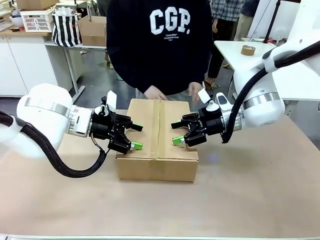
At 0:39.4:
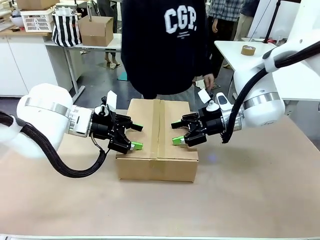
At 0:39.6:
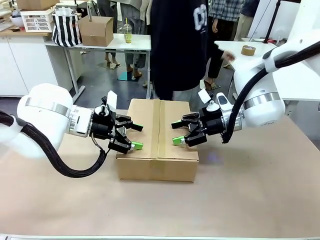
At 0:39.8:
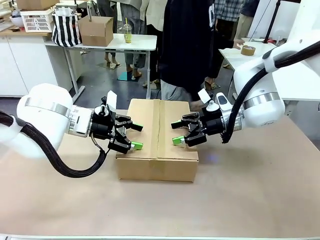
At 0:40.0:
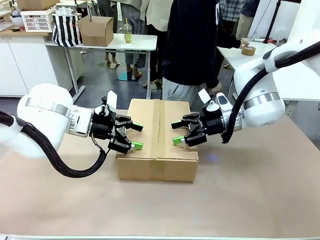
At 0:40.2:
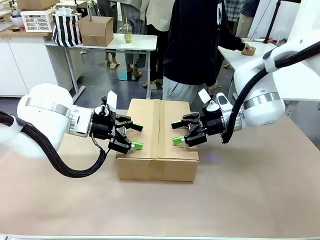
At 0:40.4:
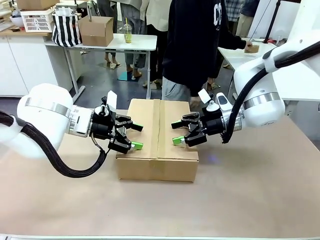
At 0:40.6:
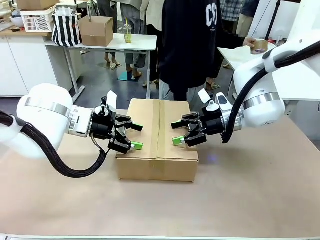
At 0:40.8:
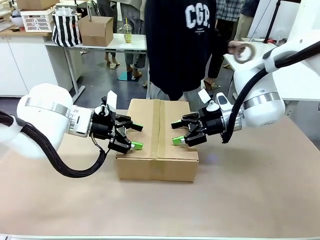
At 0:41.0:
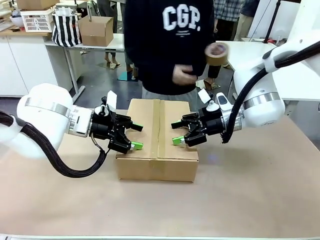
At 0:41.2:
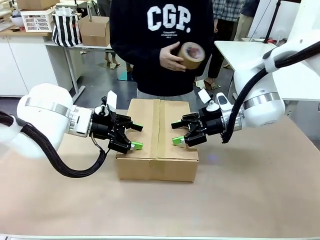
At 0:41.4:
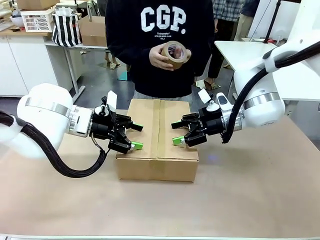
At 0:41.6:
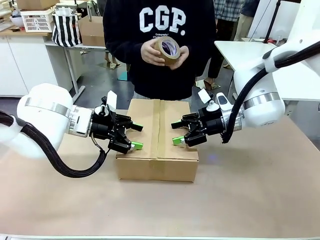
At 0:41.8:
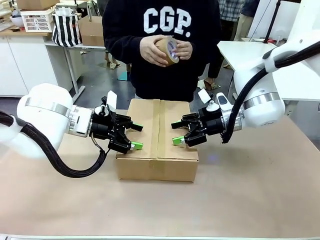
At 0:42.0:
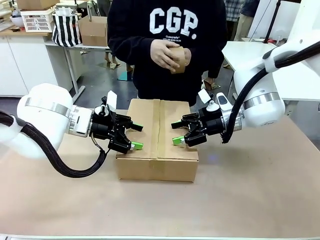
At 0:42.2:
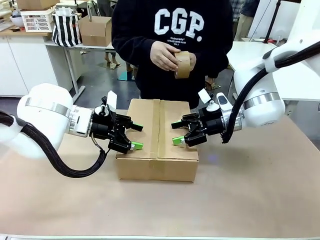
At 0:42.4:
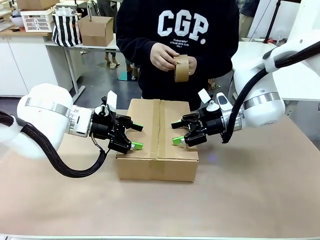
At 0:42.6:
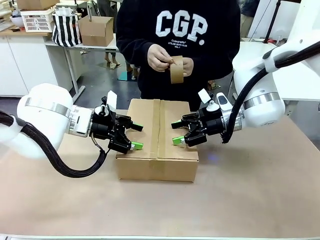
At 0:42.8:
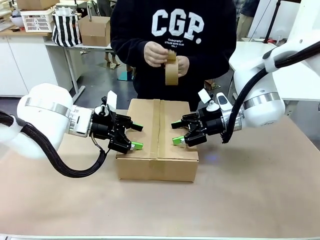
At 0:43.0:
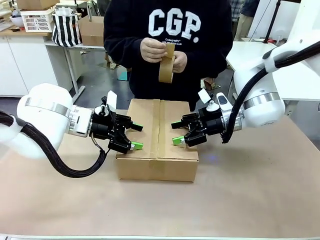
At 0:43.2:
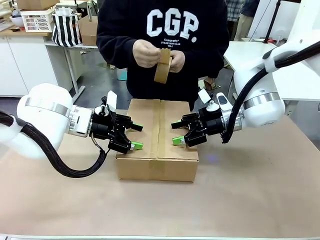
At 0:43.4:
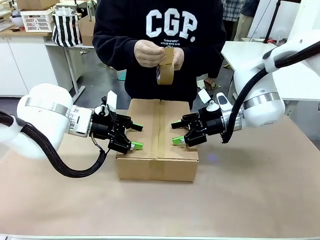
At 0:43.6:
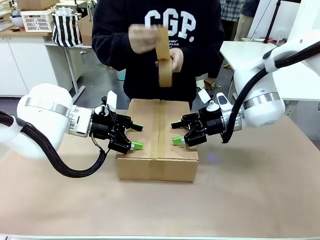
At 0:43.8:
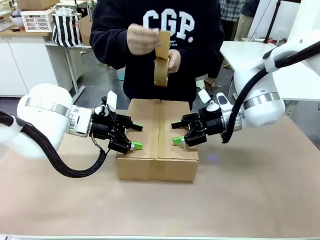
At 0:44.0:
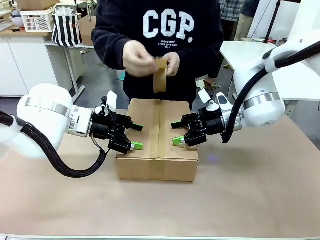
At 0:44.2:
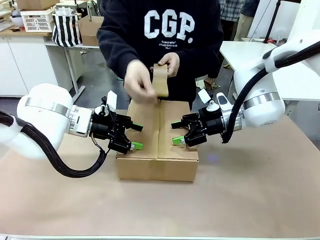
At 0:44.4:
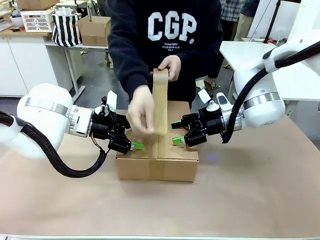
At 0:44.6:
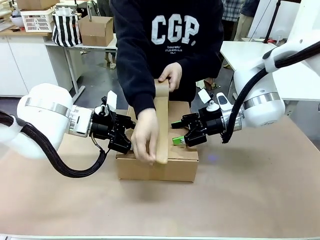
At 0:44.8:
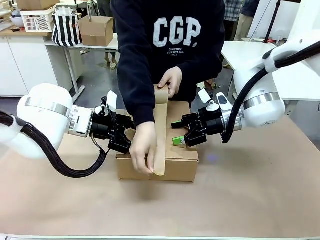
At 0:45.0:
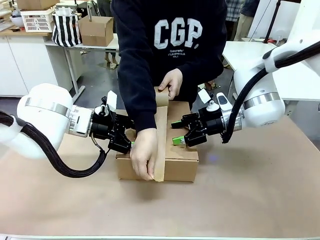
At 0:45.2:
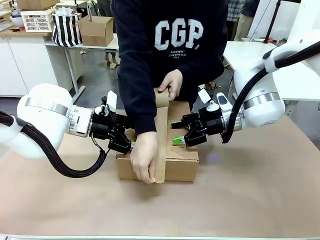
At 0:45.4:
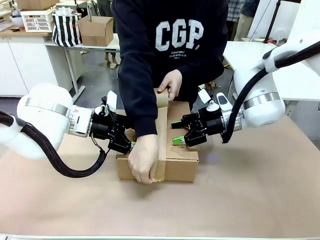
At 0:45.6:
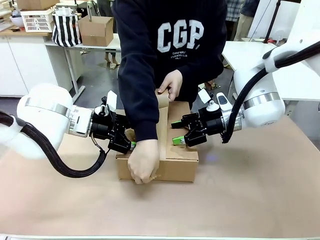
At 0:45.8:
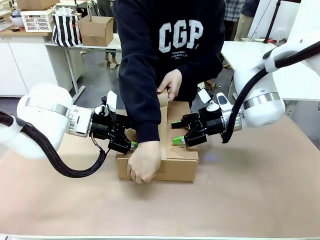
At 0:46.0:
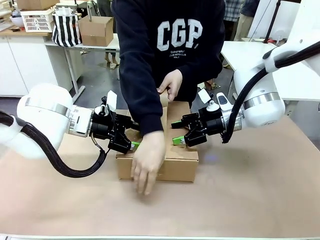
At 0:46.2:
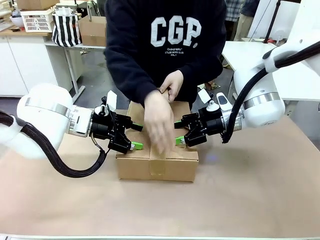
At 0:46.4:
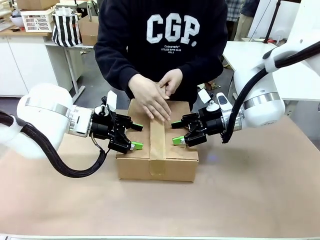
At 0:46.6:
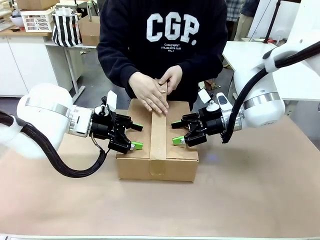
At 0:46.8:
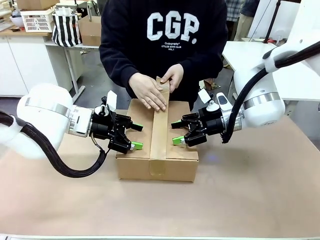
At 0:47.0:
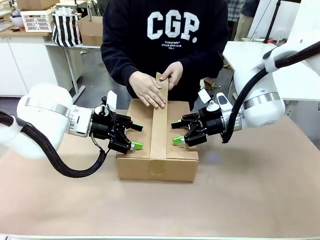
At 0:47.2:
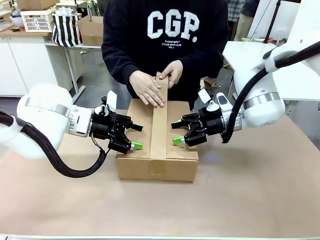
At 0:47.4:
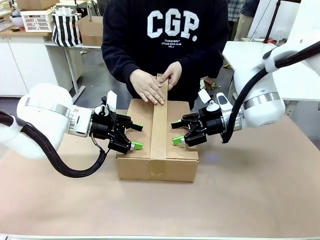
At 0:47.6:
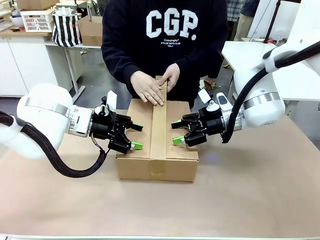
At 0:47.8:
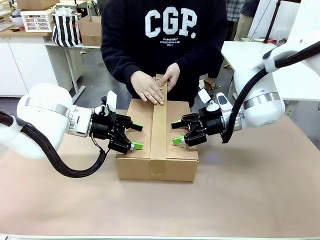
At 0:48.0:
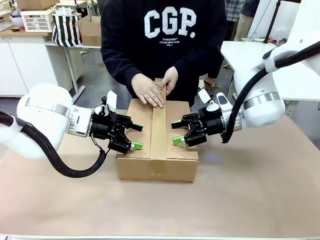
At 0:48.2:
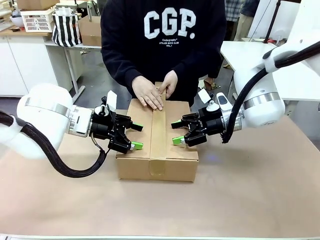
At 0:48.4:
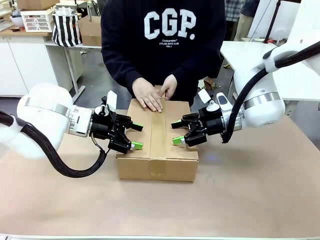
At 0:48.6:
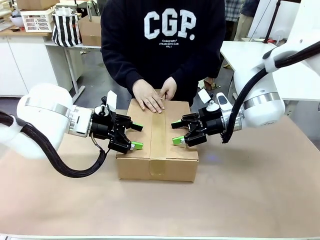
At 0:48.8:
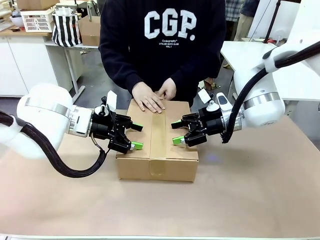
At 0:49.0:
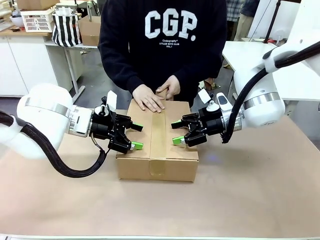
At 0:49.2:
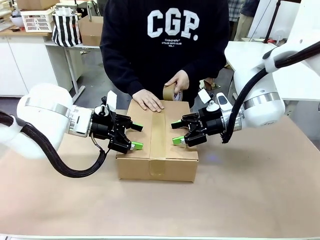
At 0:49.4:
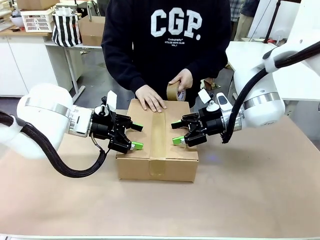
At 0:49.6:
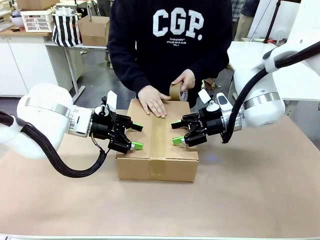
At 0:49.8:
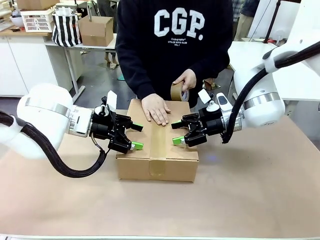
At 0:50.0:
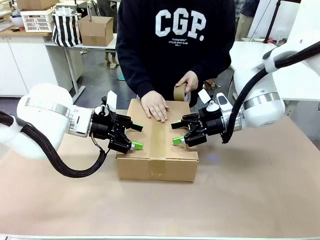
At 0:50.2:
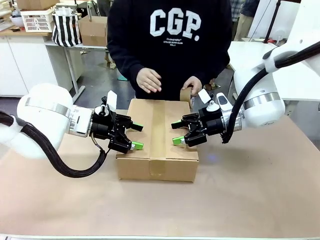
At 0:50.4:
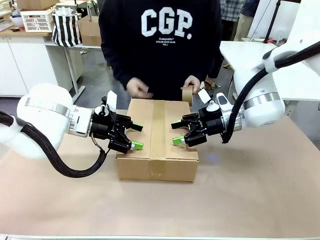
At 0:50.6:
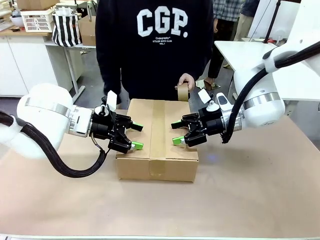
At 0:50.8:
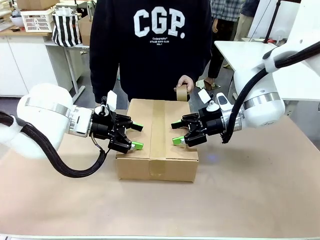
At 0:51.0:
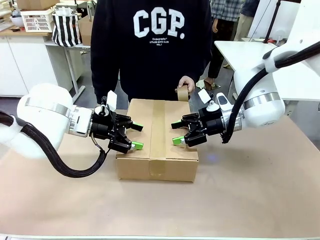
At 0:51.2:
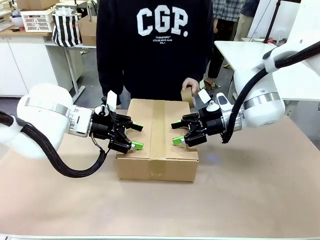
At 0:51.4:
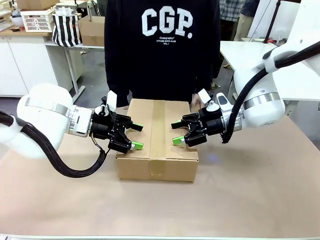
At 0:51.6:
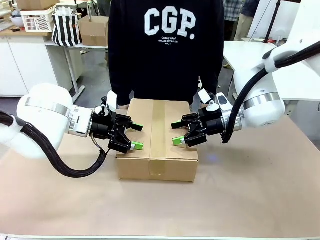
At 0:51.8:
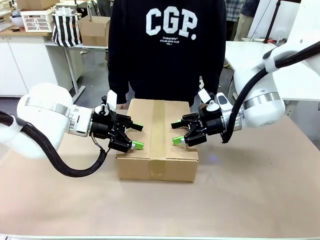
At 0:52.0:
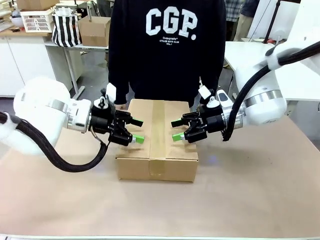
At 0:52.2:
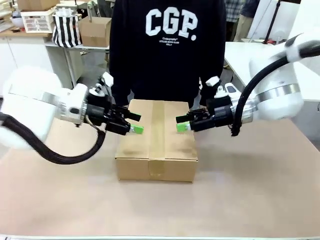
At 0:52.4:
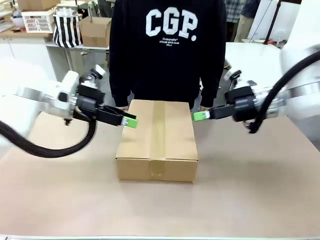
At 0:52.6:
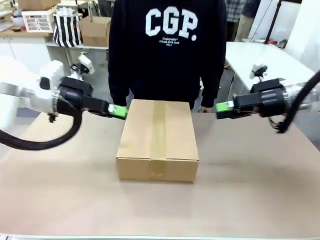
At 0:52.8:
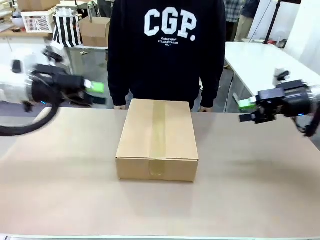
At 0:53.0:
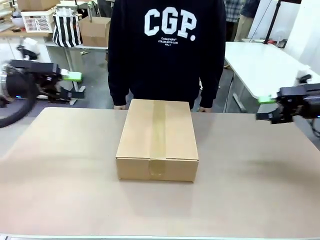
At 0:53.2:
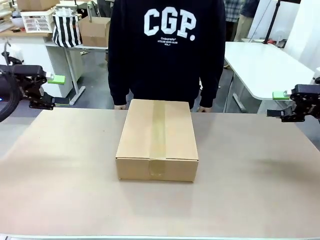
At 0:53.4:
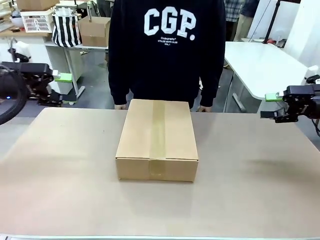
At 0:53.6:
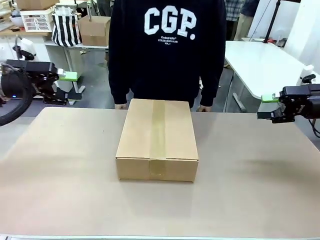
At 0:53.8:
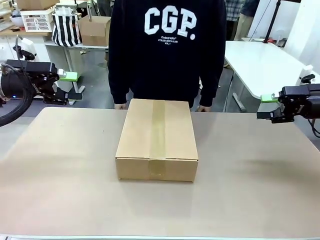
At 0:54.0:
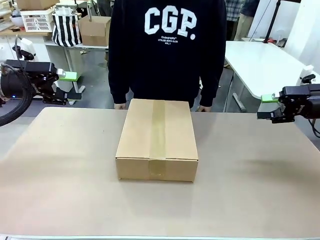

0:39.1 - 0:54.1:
Task: Pack the gift set into the box.
Robot: Press and hold the closed box until the human finishes sealing it.
Person: The human picks up the paper tape from the human table and packs the box.
